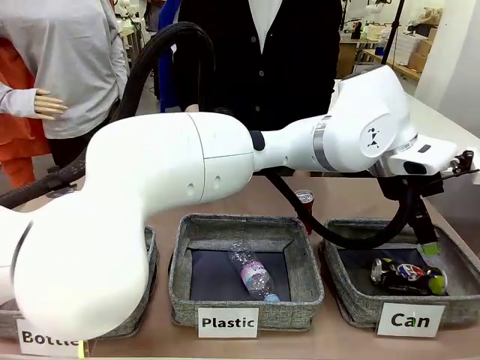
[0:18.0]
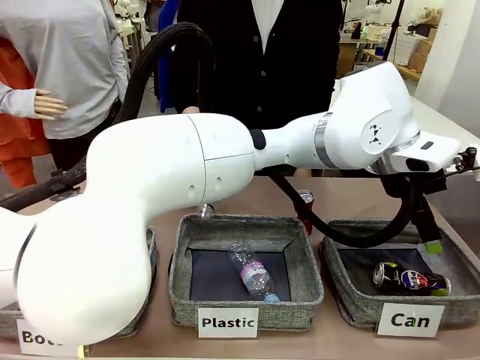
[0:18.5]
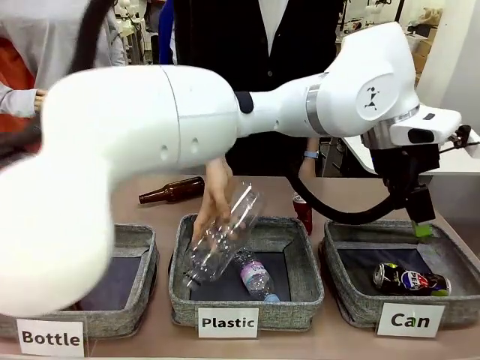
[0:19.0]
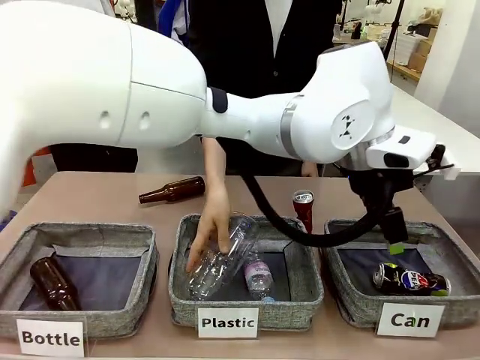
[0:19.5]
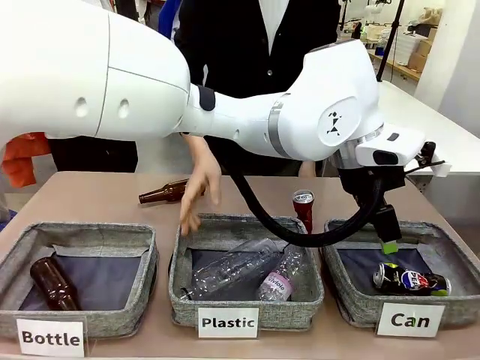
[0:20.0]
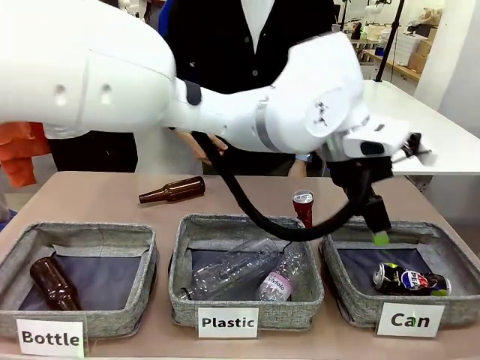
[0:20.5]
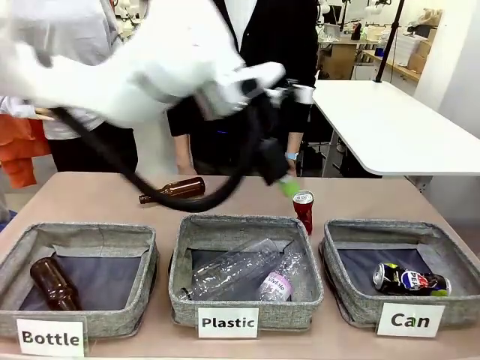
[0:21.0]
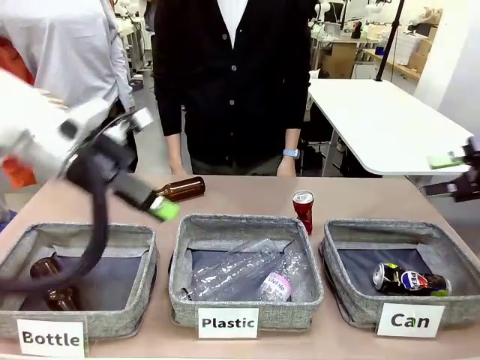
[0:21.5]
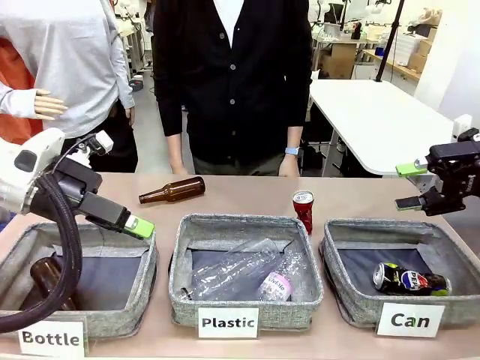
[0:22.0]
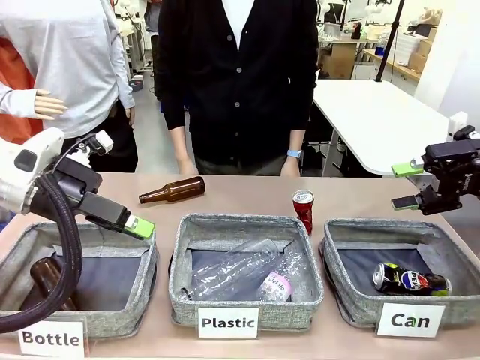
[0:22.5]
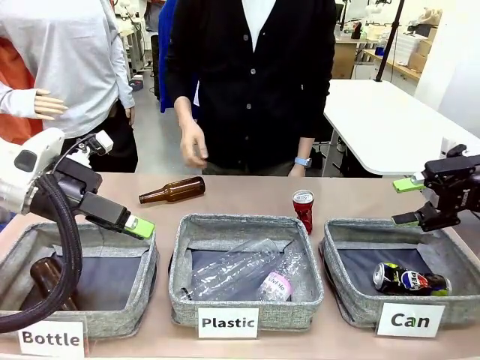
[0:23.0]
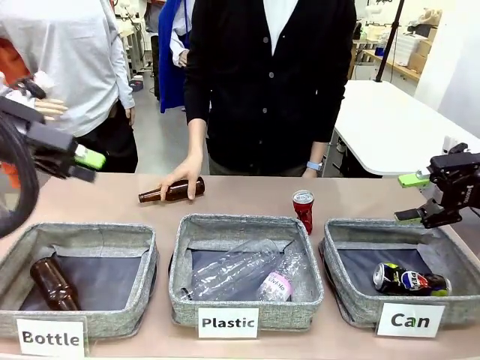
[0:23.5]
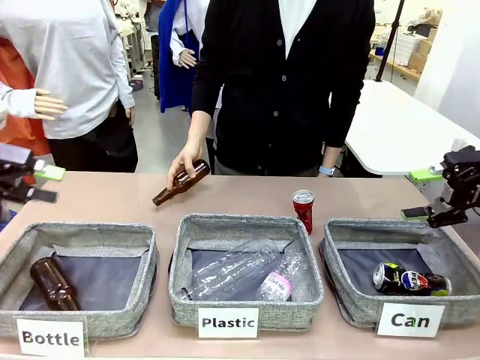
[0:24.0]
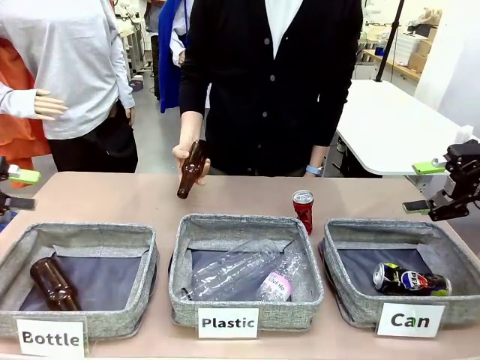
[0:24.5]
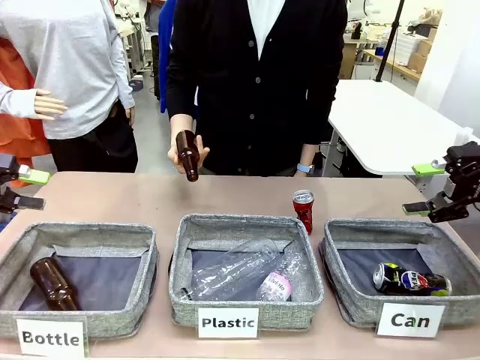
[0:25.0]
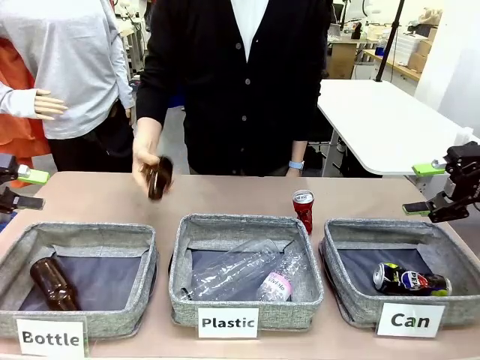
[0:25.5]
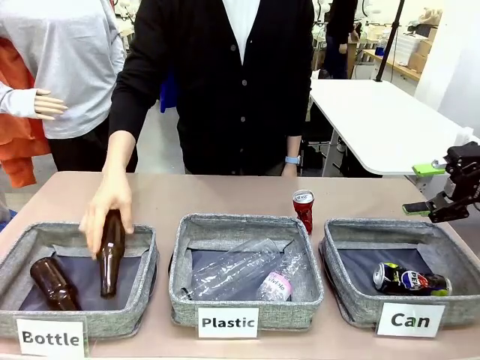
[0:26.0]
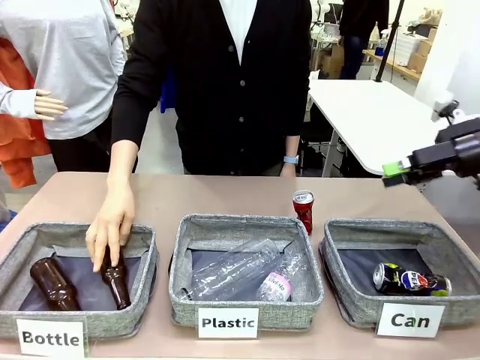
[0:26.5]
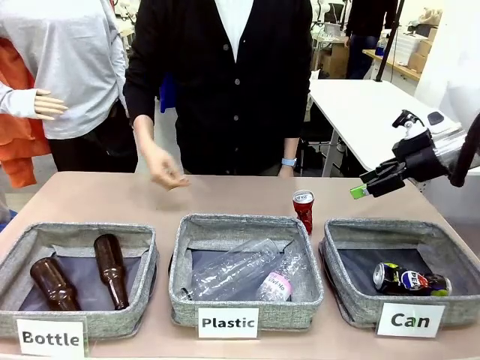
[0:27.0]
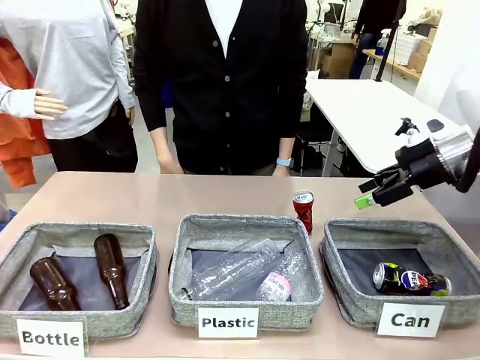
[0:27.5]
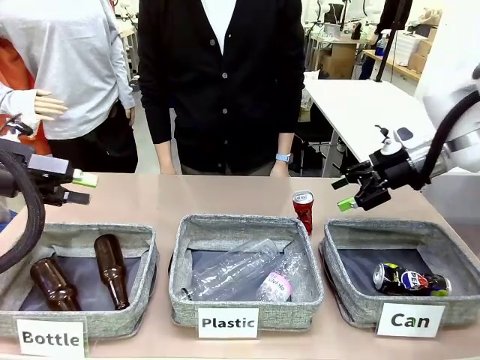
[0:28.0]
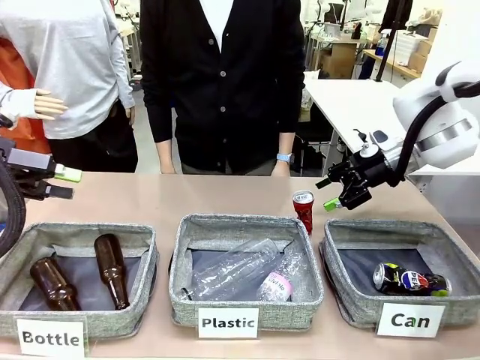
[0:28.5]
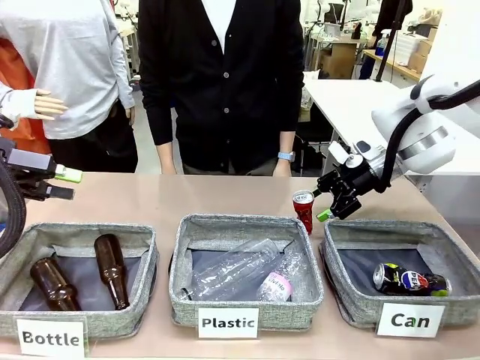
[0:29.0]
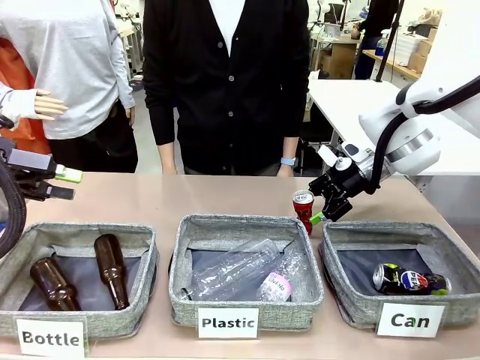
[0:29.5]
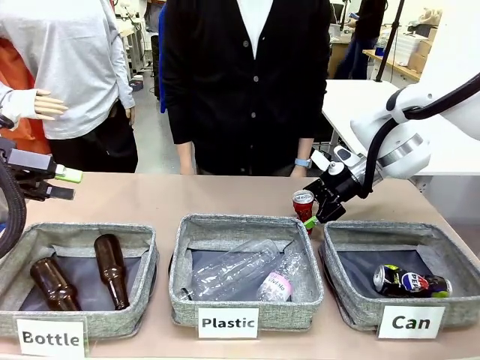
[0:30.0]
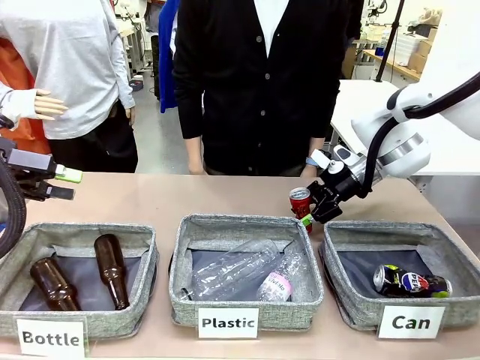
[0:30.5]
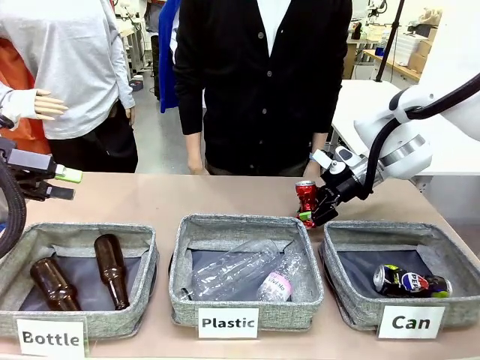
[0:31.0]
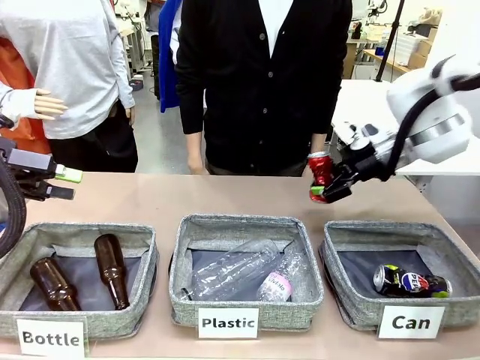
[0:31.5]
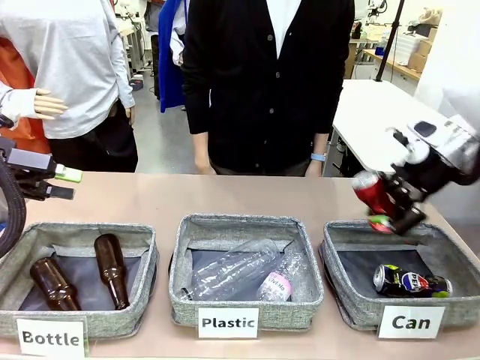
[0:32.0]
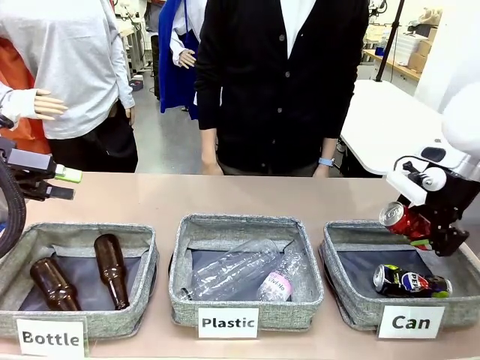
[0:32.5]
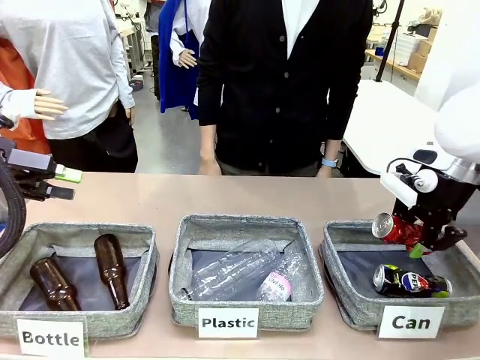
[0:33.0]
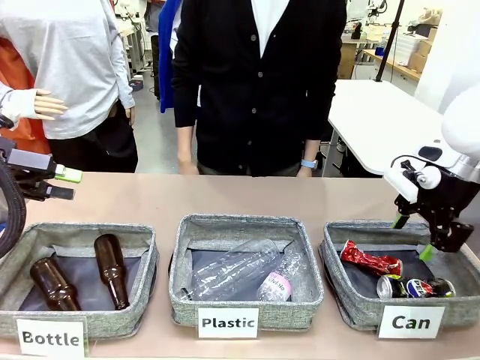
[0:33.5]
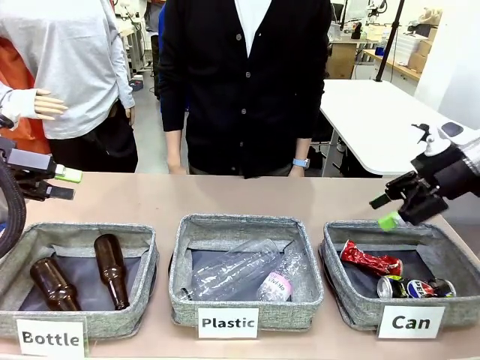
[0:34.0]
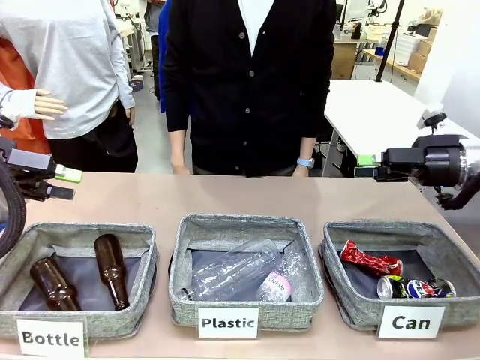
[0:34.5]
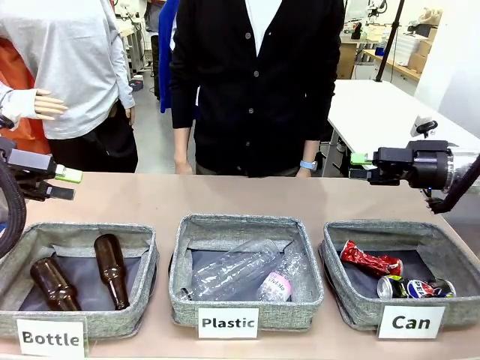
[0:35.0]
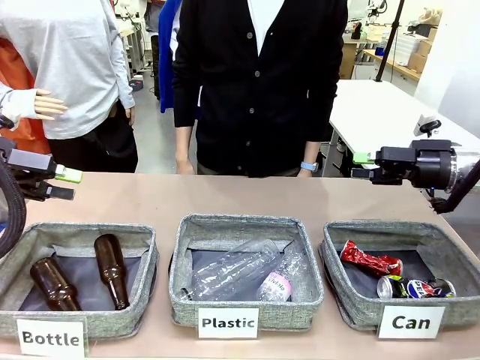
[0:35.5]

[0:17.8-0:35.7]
Task: Sort the can waste into the basket.
Robot: Pick up the can waste from the table and place it in the right Fabric basket.
Person: The human picks up one piece of trash that is not a can and places the trash into the appropriate organizing basket.

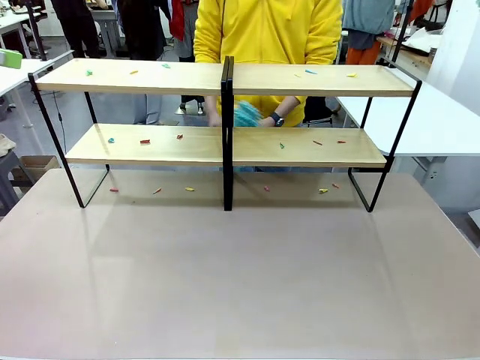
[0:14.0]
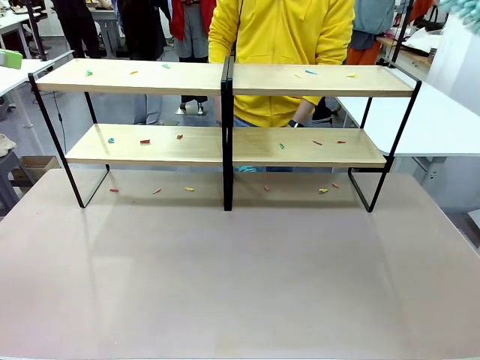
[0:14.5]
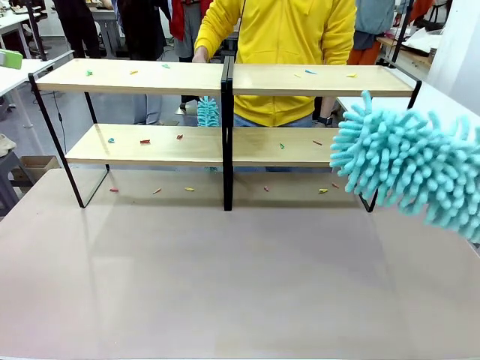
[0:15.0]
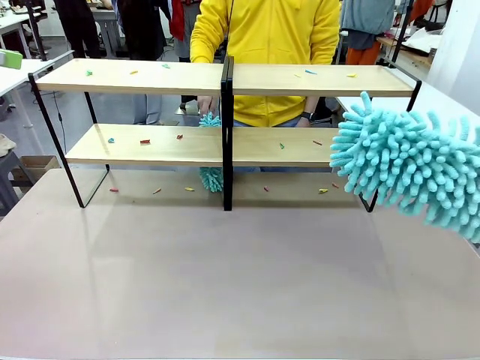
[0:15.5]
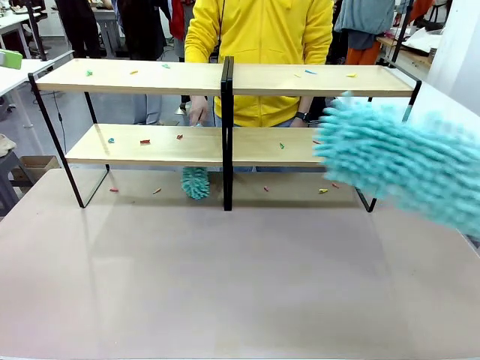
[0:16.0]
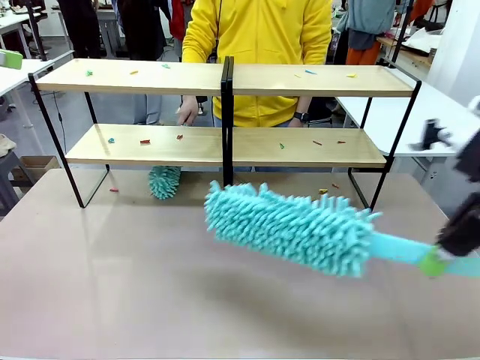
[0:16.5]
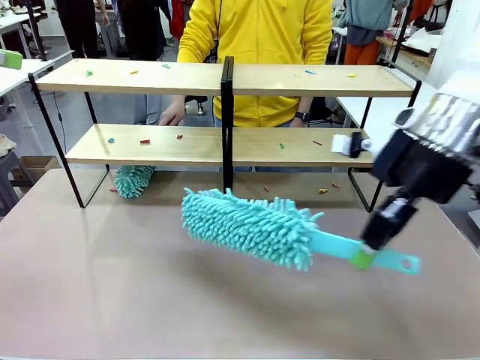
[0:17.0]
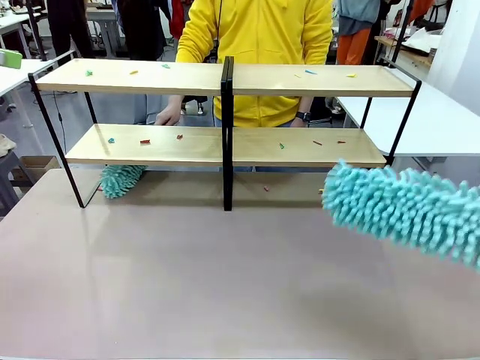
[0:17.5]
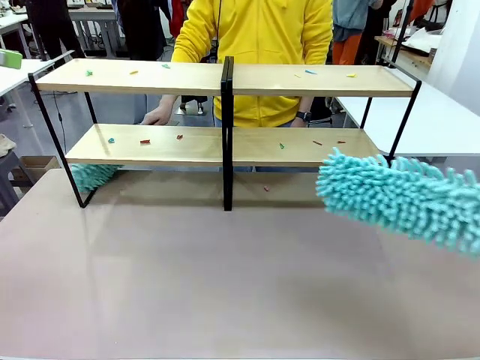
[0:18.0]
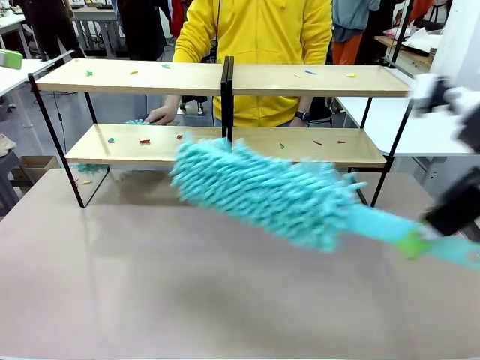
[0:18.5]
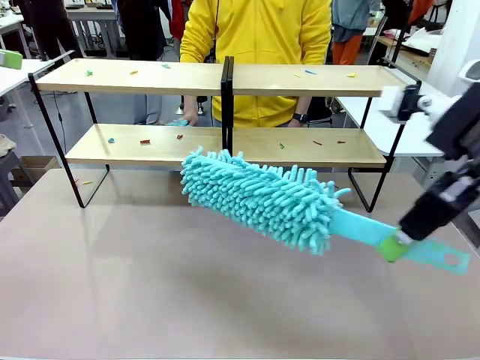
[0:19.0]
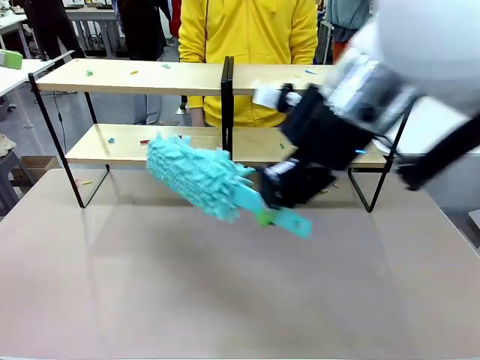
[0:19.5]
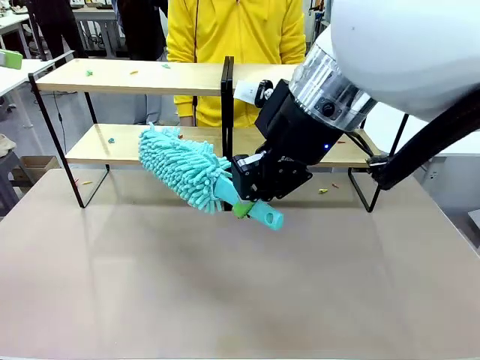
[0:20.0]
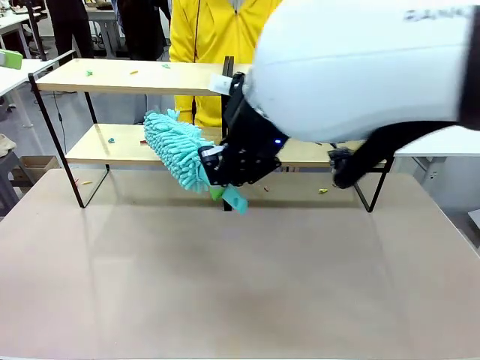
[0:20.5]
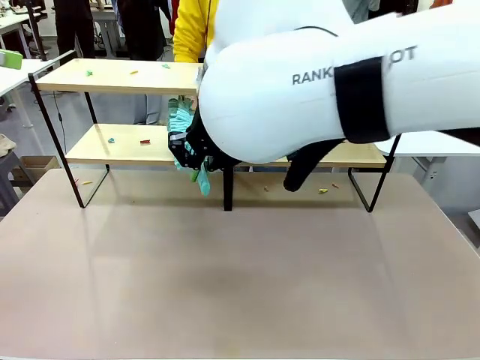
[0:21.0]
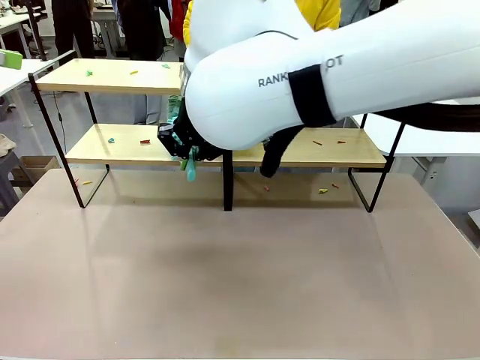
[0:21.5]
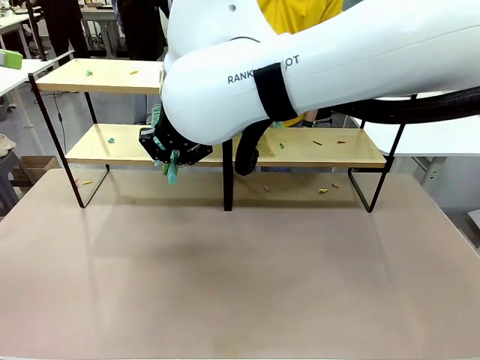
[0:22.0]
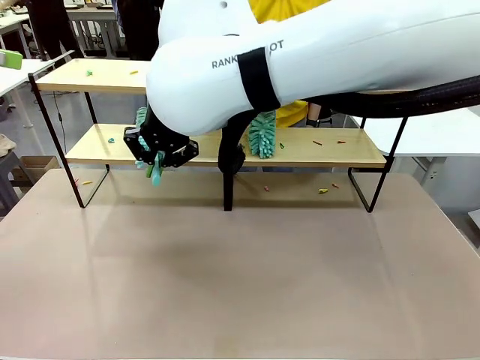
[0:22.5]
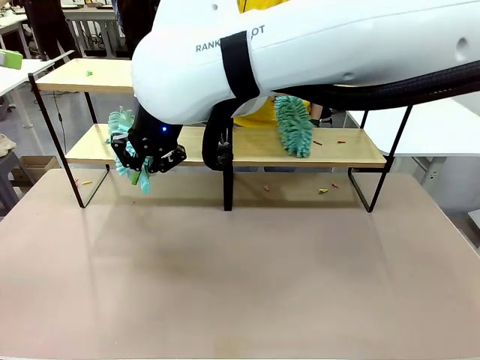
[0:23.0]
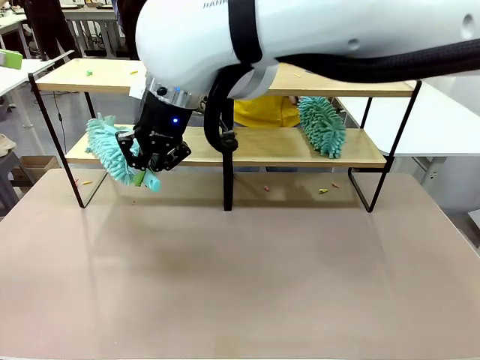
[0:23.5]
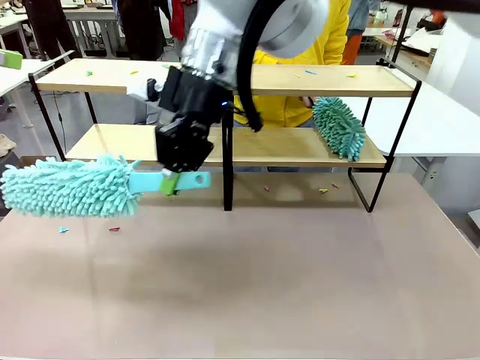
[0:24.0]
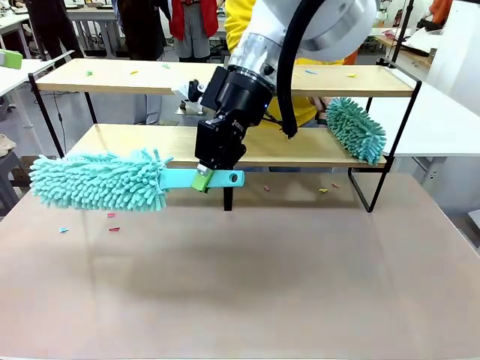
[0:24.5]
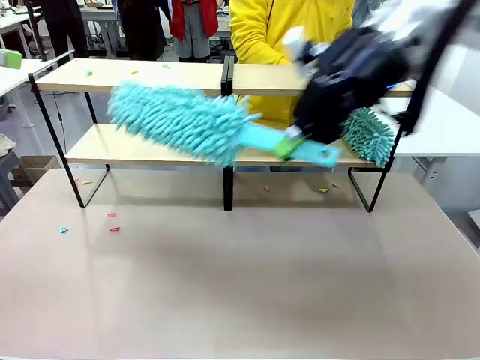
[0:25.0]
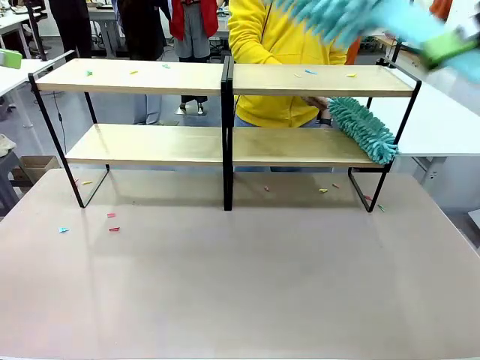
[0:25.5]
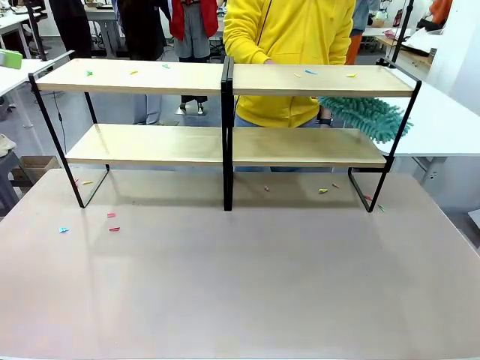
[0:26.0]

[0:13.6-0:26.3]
Task: Clean the shelves.
Robot: Clean a randomly selected level of the Shelf with the Duster.
